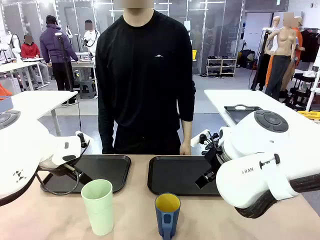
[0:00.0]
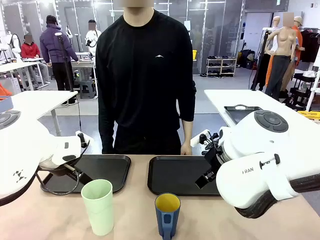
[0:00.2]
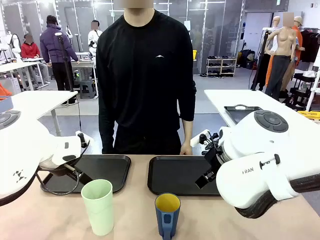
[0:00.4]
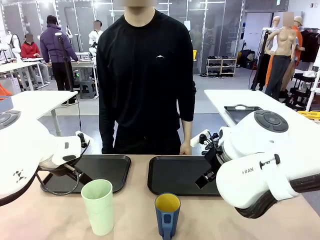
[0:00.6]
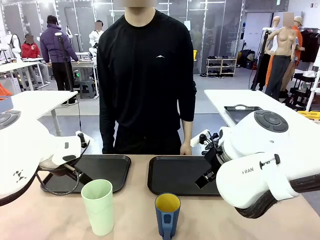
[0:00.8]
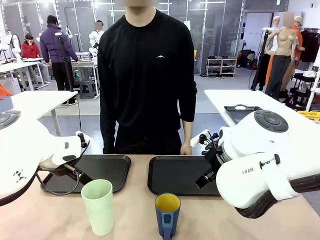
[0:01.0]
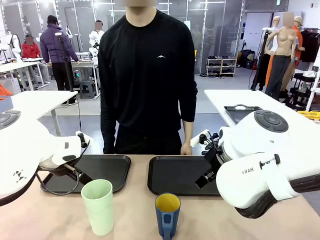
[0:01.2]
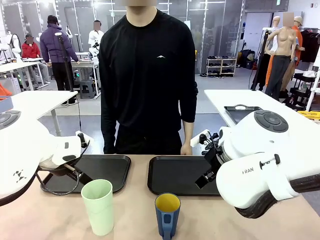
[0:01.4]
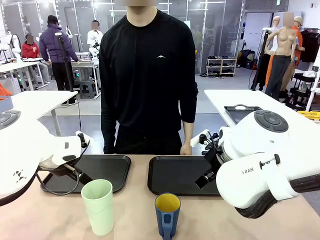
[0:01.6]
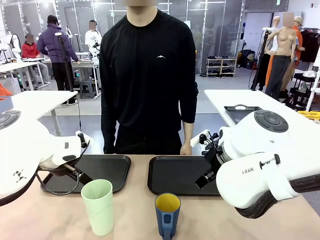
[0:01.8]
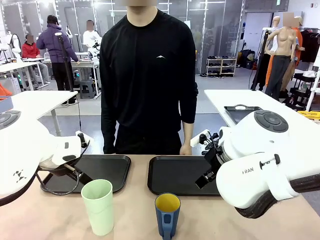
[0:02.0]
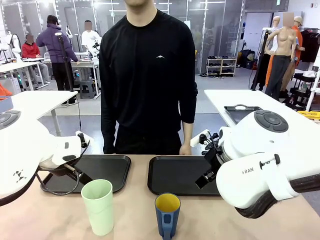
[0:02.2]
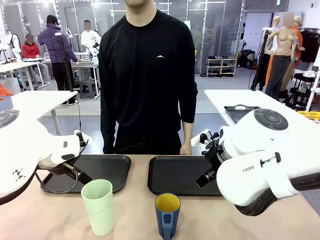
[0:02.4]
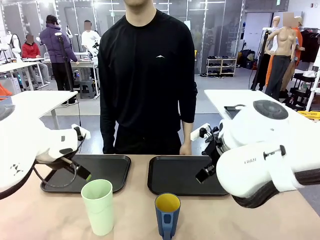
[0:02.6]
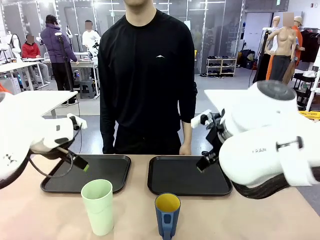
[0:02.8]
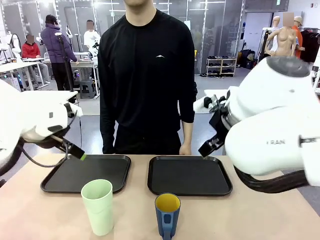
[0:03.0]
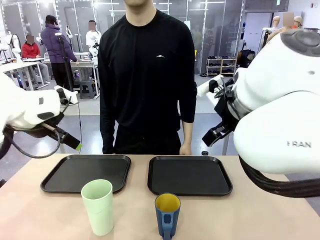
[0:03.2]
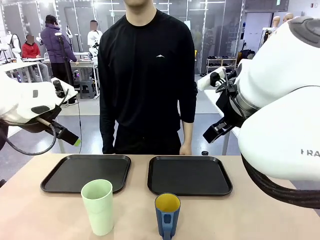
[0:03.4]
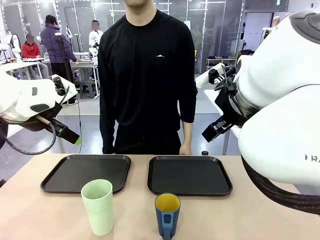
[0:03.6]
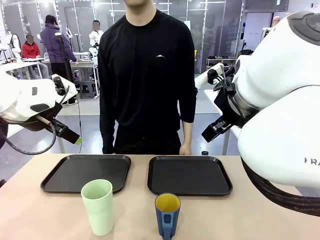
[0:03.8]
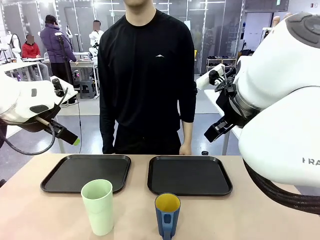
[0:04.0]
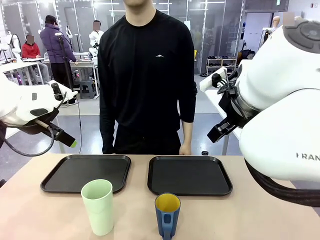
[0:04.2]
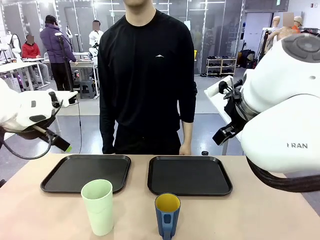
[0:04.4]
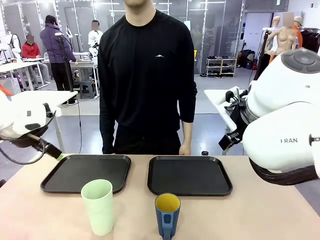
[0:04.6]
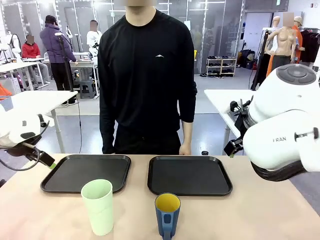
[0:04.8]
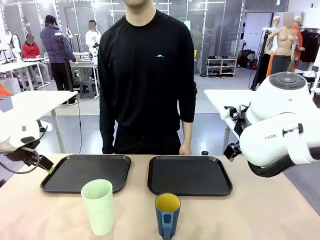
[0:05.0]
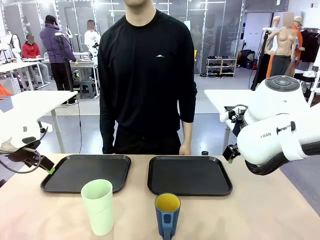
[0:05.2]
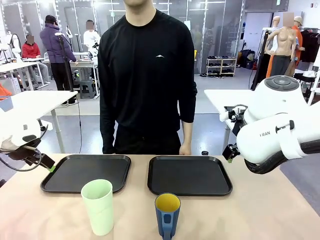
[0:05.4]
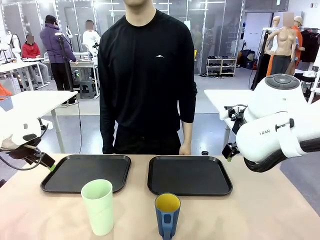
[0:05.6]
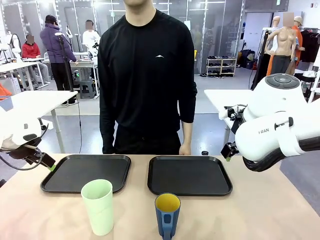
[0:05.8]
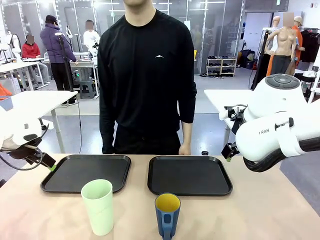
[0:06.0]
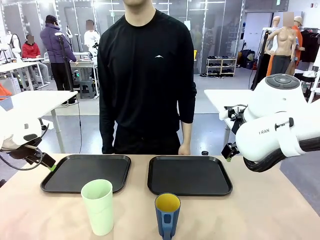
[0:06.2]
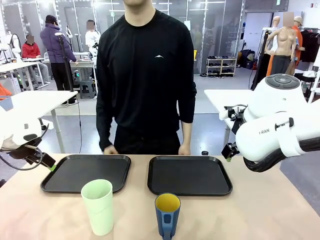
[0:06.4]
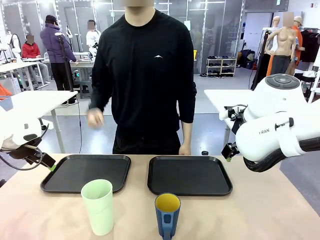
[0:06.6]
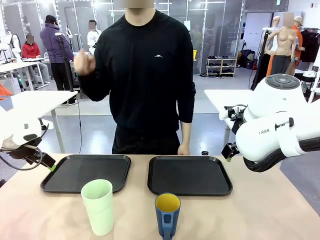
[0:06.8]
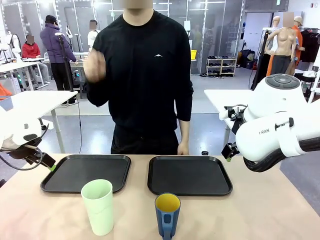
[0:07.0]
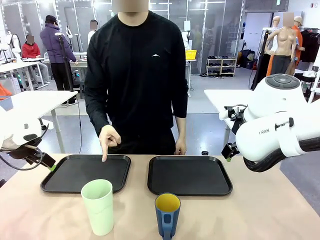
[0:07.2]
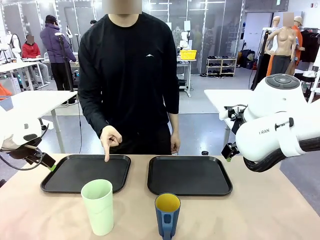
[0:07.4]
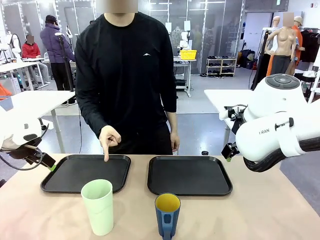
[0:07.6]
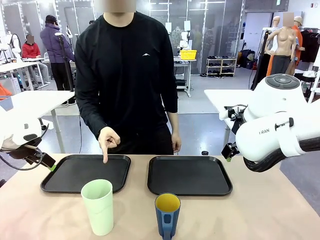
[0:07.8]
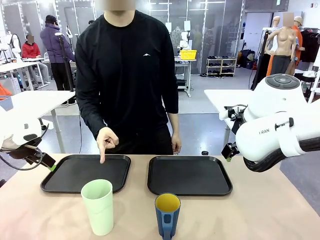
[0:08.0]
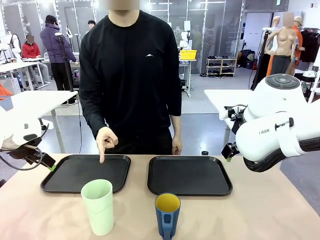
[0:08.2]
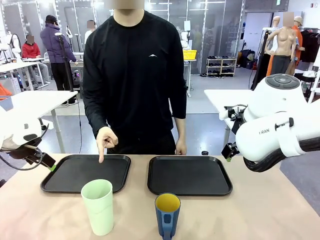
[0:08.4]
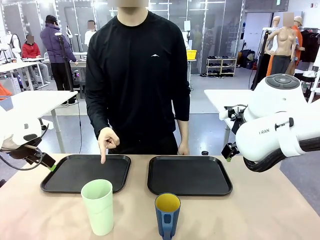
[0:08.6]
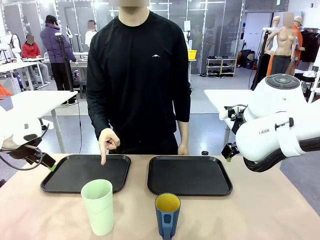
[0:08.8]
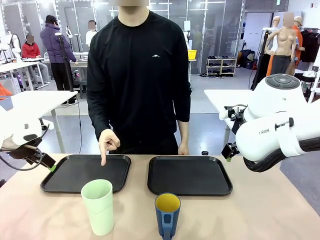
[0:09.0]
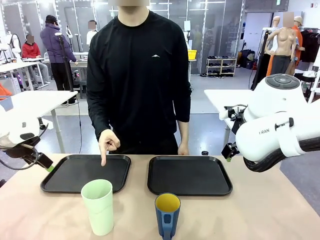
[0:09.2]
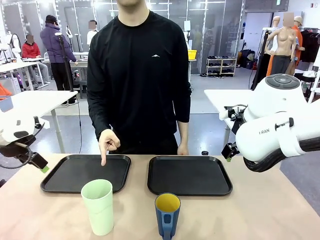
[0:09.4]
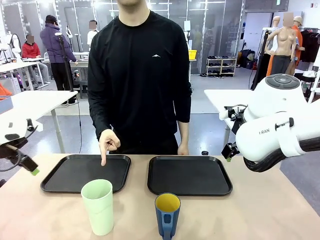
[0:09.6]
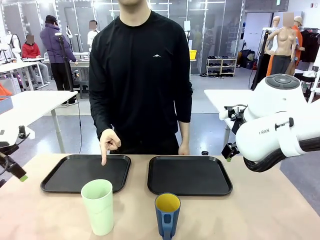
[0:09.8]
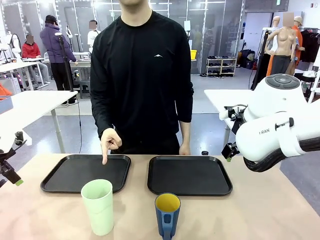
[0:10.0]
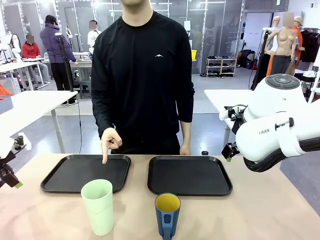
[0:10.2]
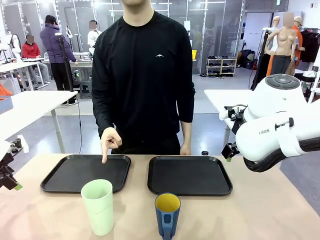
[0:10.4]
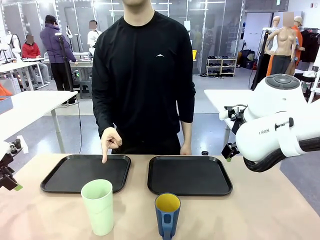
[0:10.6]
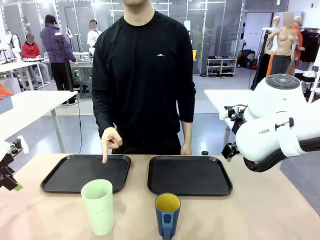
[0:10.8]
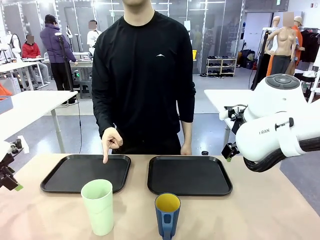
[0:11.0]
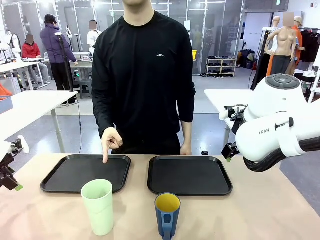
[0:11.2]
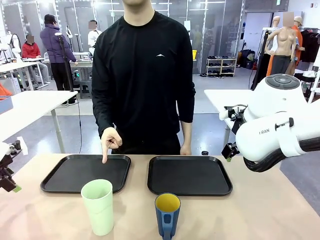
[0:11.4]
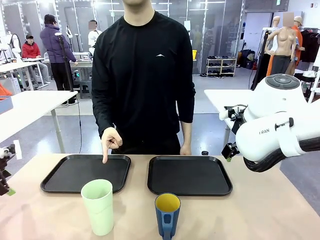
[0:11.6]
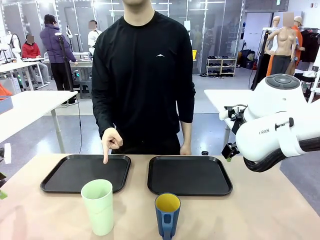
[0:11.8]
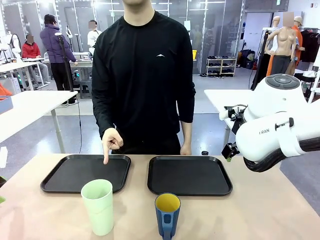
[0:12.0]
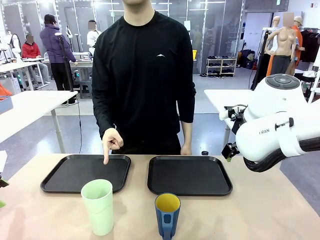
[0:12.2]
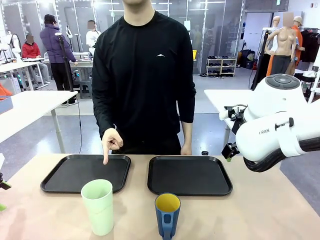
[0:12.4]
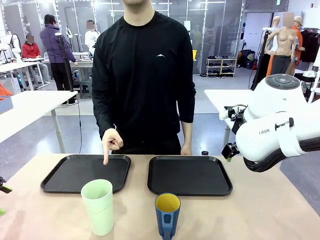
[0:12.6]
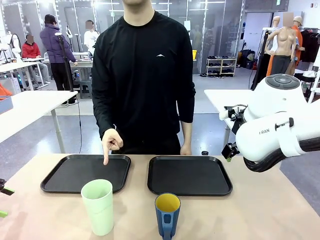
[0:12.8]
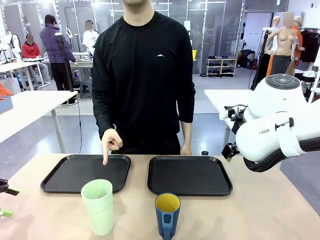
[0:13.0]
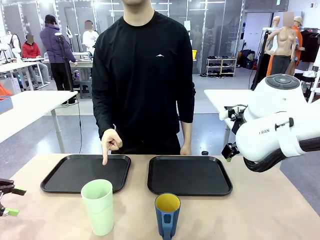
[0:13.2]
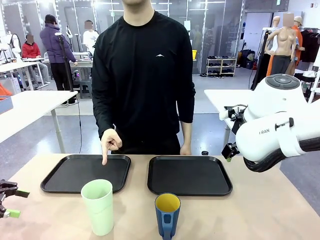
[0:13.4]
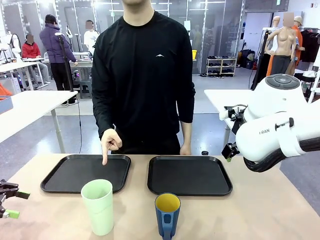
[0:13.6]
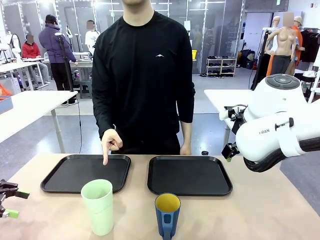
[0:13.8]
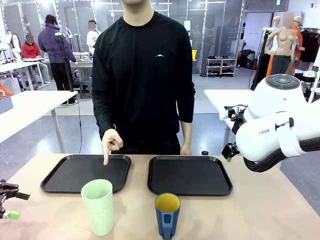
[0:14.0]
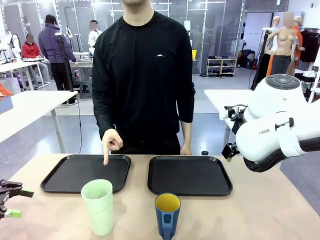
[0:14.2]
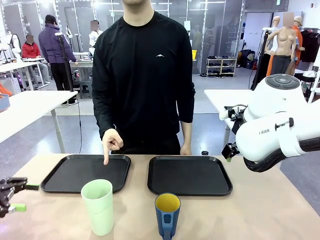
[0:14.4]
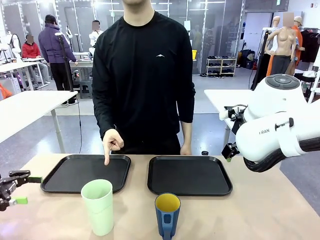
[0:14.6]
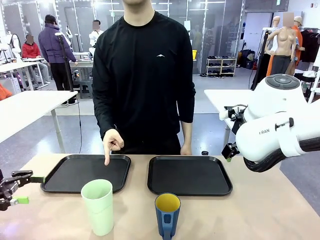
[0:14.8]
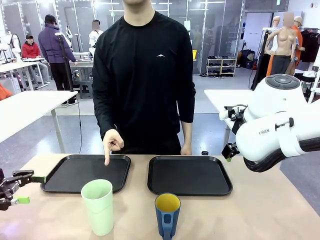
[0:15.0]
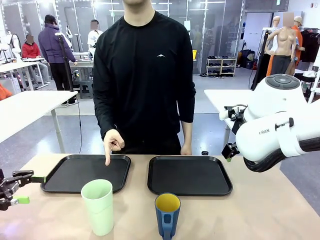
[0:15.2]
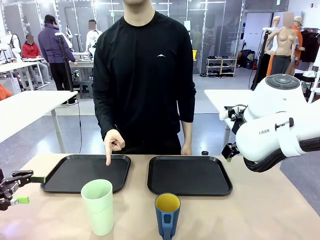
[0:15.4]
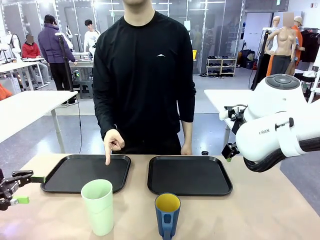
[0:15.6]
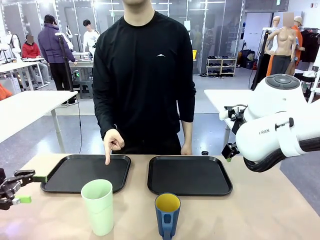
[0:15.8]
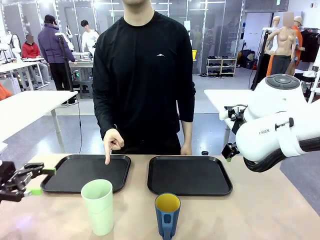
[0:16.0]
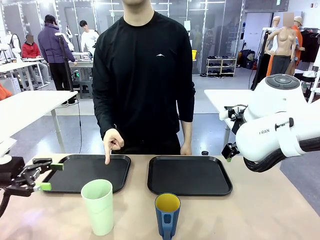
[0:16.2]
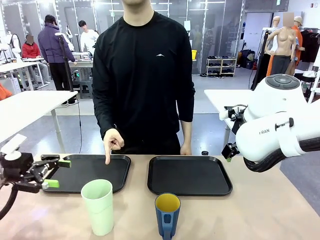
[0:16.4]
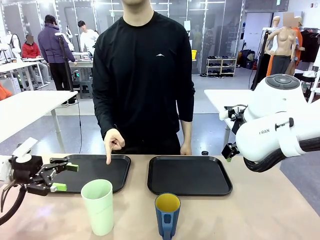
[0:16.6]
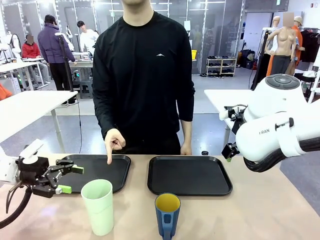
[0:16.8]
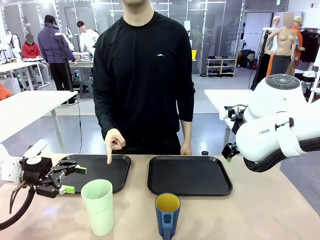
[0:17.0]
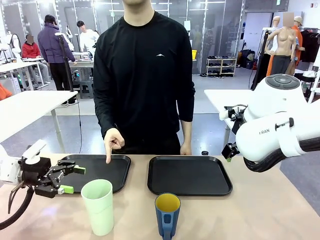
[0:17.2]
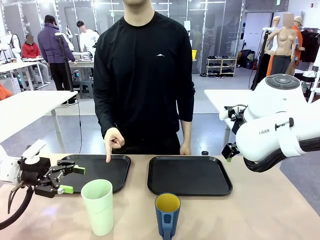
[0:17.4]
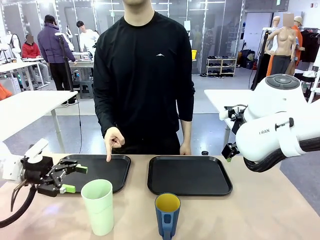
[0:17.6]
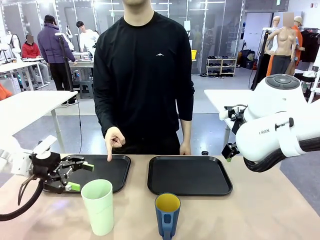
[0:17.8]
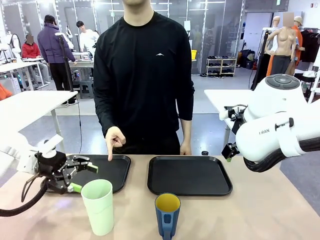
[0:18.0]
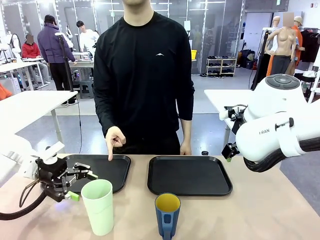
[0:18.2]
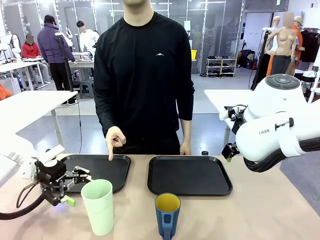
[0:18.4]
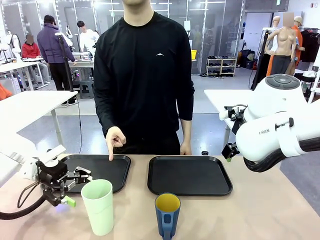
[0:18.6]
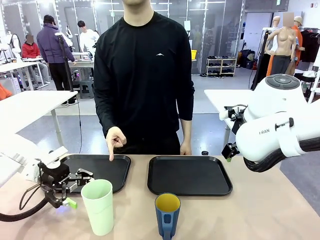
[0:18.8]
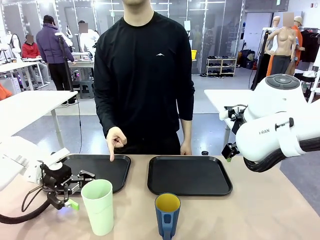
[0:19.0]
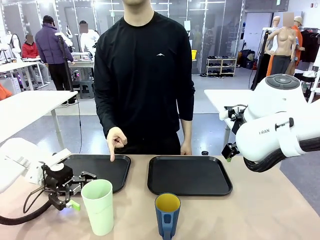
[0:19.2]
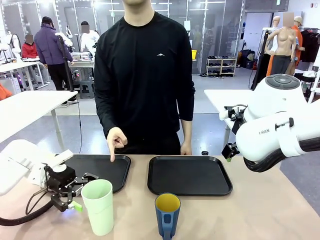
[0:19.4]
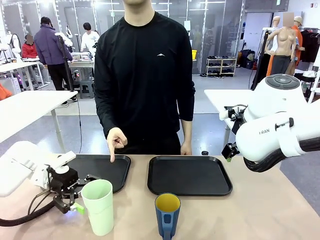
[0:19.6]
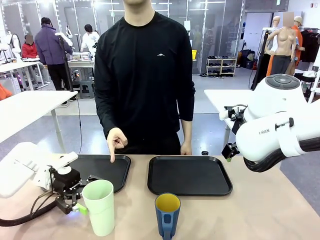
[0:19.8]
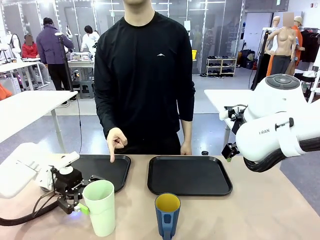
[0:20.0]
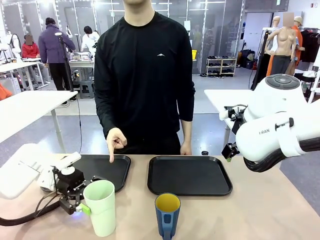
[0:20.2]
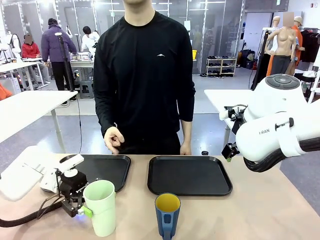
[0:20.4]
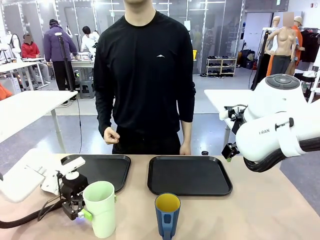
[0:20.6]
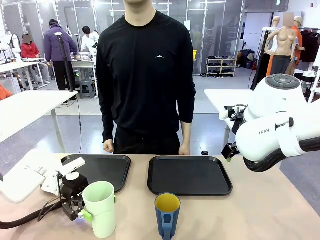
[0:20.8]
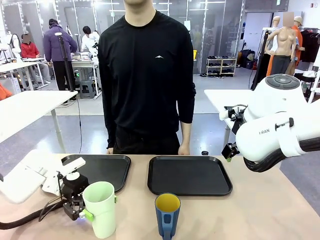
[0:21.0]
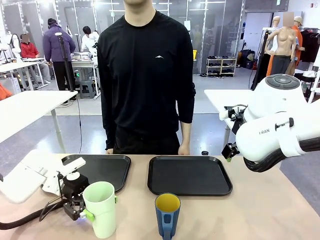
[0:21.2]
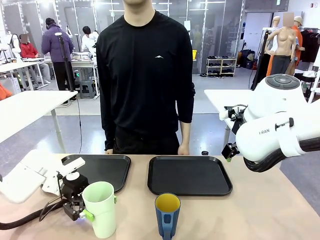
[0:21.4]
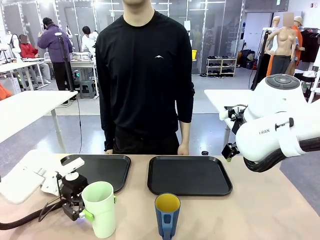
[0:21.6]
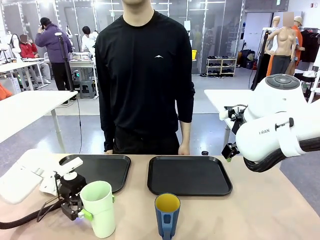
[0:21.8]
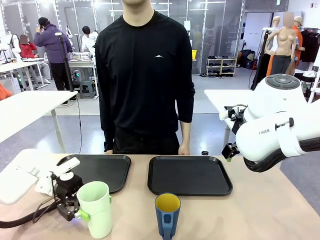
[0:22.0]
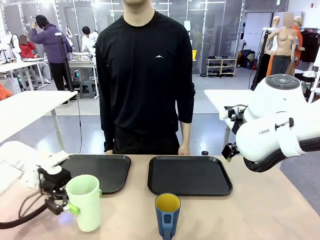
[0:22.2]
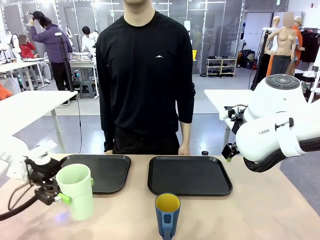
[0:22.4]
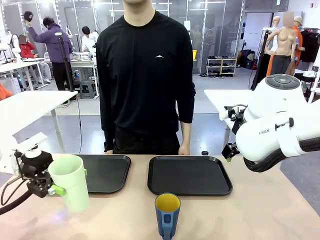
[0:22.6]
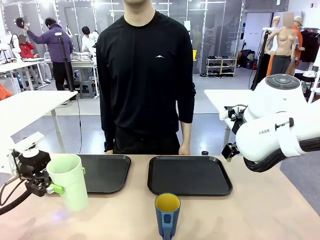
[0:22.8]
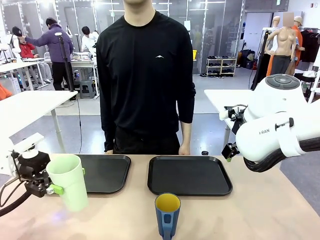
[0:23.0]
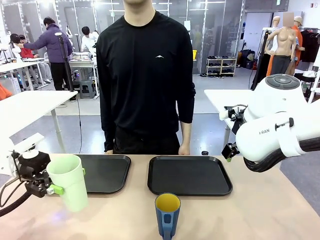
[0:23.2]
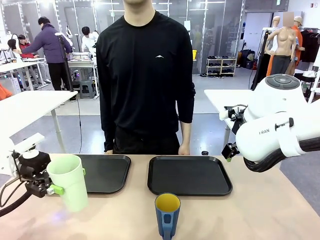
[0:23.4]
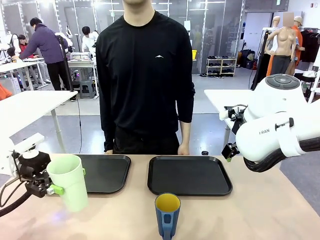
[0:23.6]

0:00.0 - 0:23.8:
Task: Sort and store the cups by type.
Robot: Pick up the Reusable plastic cup.
Person: Points to the reusable cup. Point to one of the two trays.
